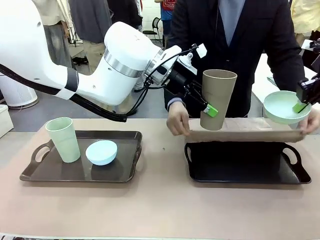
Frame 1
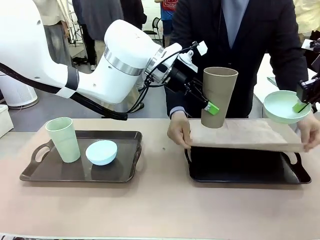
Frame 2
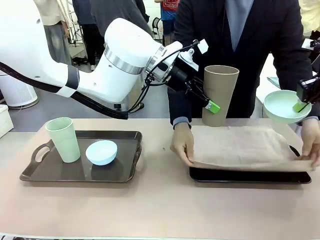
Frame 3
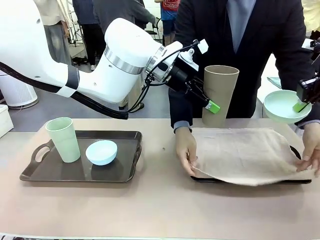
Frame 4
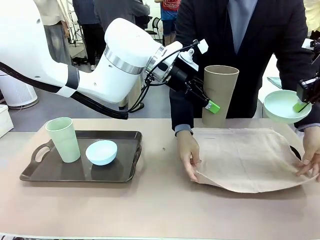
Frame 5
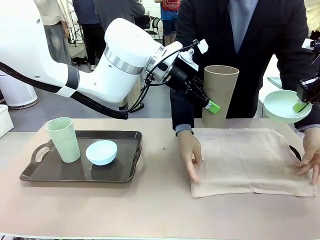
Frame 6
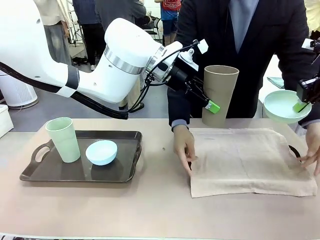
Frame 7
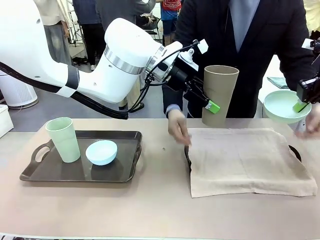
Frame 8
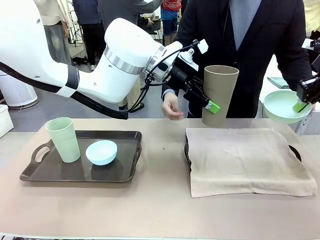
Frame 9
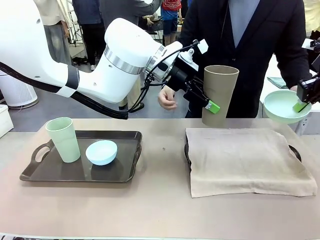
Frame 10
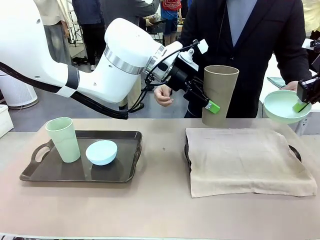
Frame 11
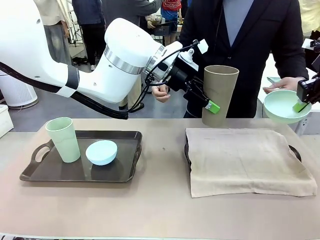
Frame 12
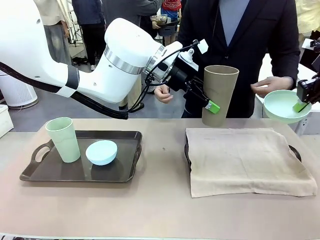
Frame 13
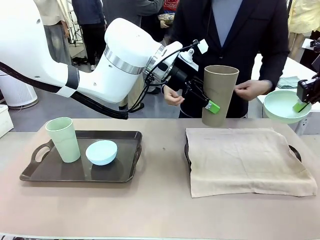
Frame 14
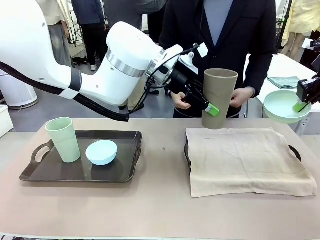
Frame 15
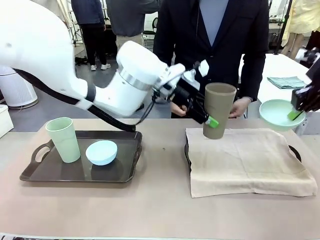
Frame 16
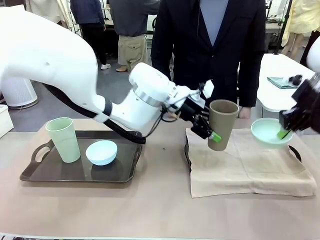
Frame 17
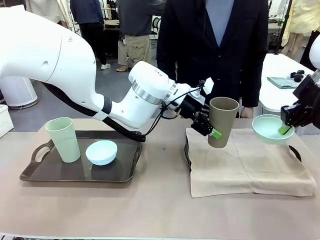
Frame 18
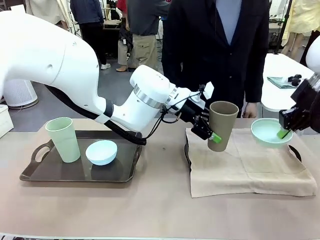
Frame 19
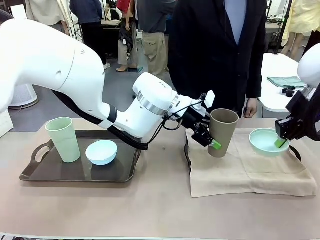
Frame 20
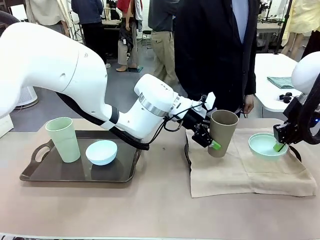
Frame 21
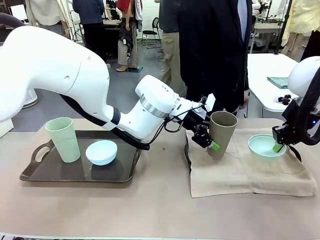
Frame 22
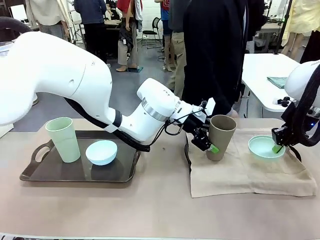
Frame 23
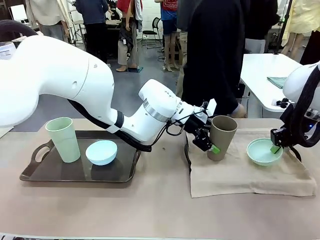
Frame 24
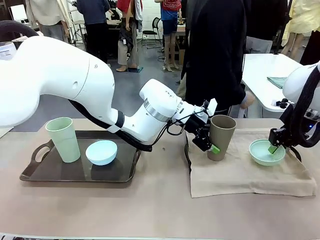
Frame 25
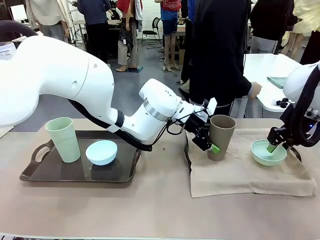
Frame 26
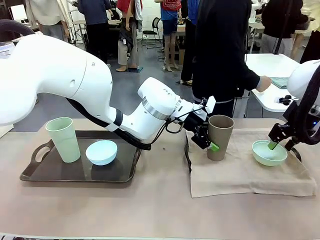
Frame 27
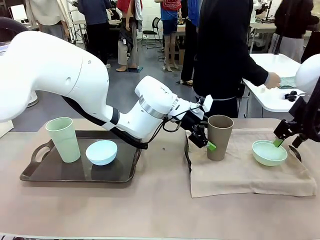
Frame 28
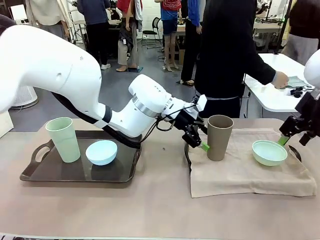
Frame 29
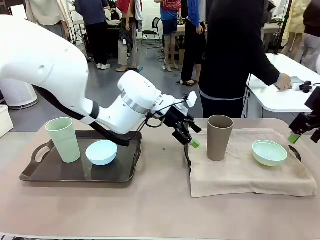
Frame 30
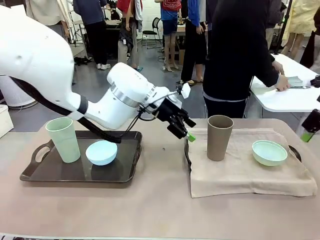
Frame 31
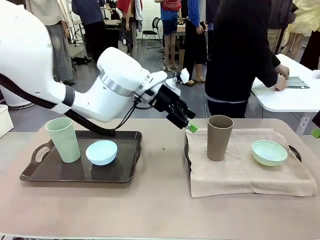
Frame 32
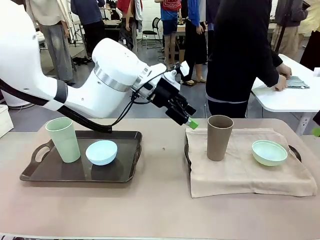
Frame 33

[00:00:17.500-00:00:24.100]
Robot: Place the Picnic Bowl and Reusable plastic cup back onto the Handle tray in front of the human's position.

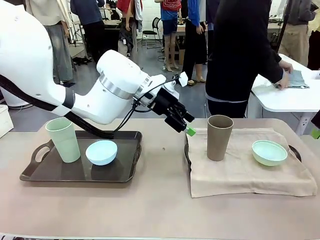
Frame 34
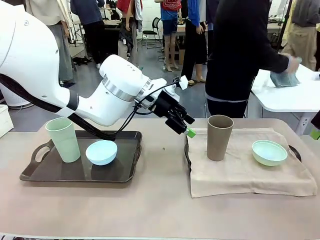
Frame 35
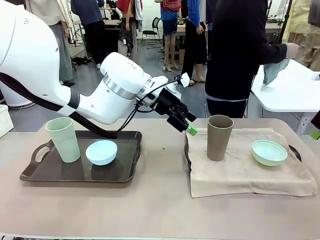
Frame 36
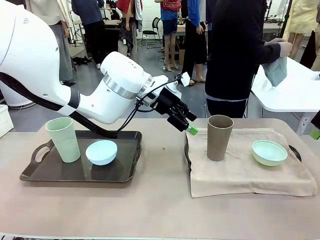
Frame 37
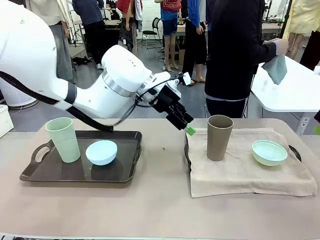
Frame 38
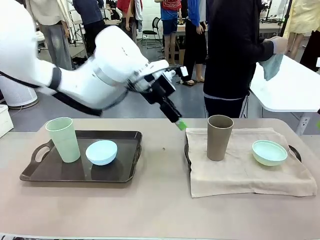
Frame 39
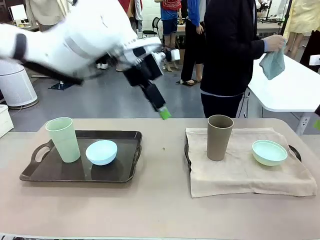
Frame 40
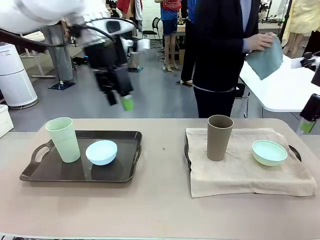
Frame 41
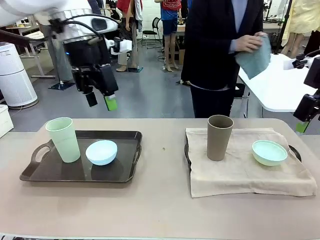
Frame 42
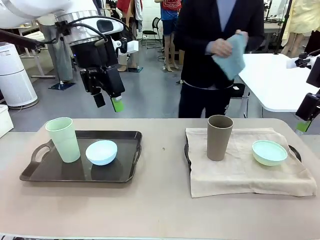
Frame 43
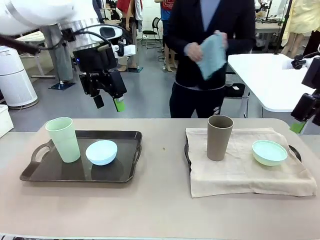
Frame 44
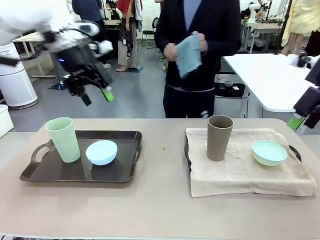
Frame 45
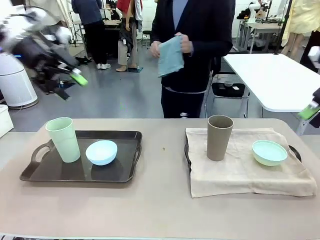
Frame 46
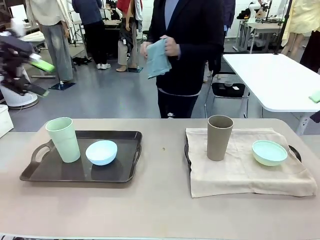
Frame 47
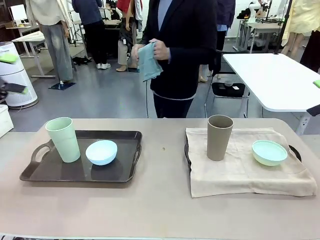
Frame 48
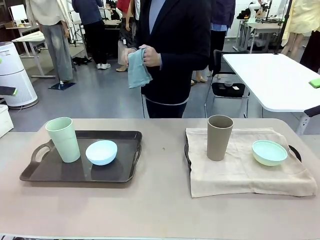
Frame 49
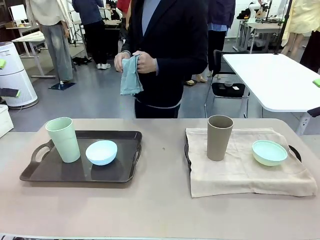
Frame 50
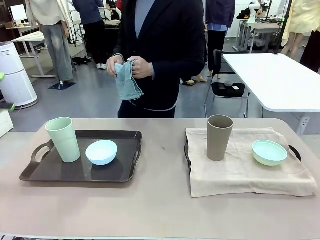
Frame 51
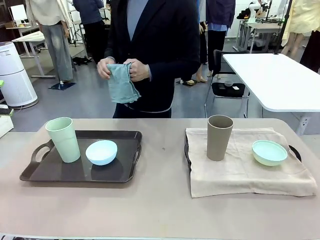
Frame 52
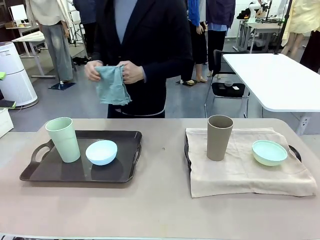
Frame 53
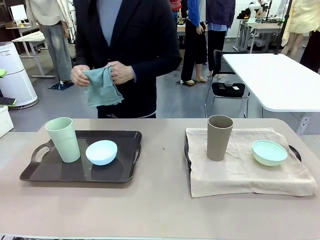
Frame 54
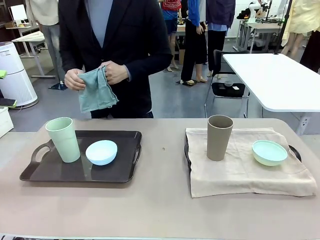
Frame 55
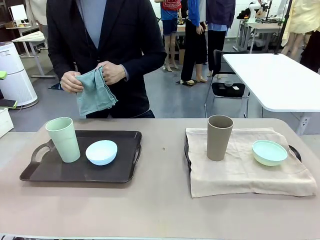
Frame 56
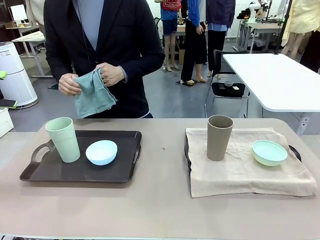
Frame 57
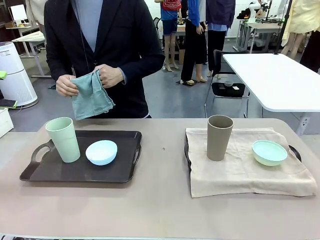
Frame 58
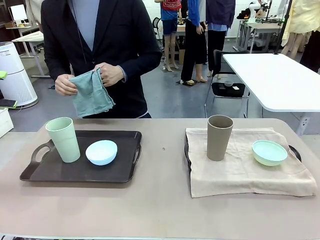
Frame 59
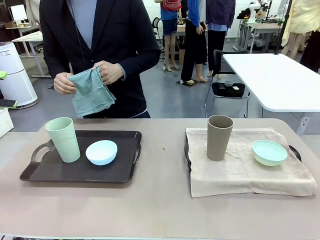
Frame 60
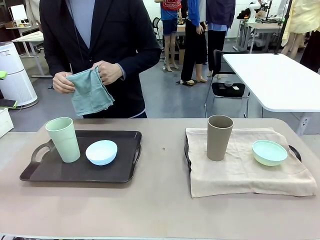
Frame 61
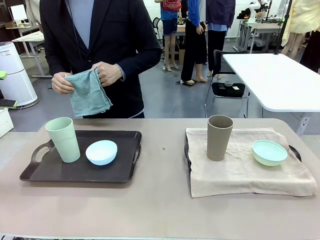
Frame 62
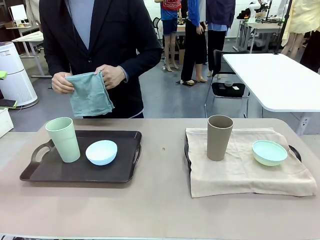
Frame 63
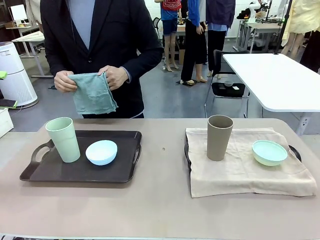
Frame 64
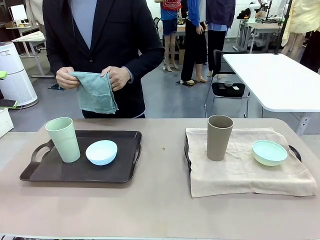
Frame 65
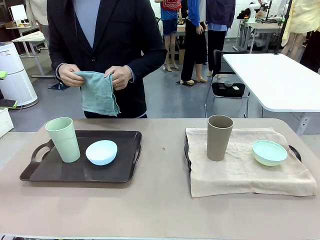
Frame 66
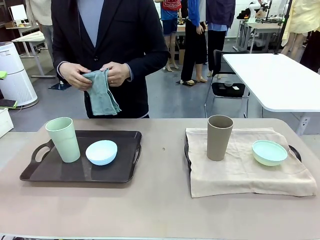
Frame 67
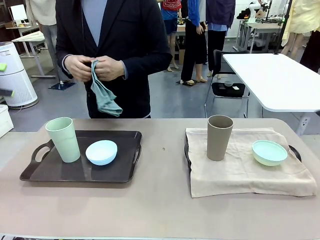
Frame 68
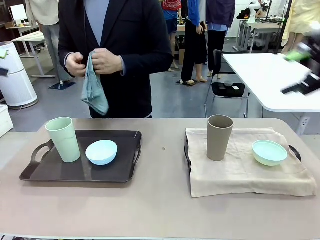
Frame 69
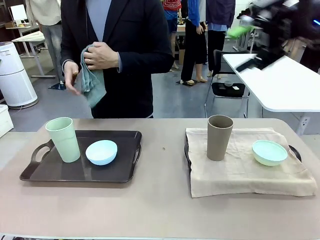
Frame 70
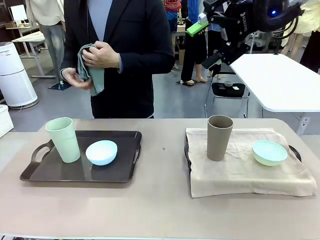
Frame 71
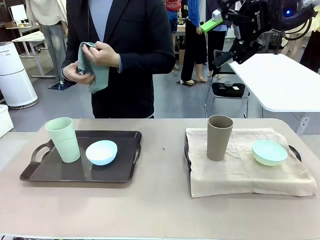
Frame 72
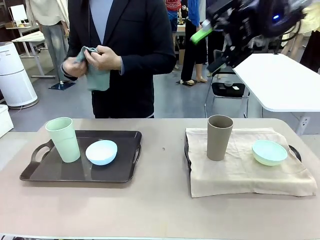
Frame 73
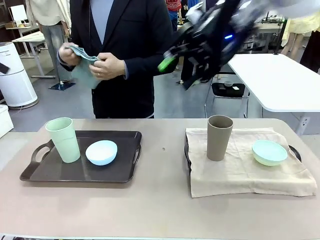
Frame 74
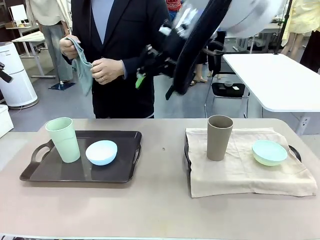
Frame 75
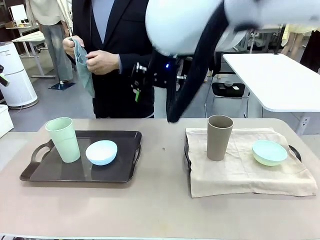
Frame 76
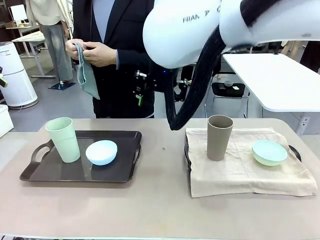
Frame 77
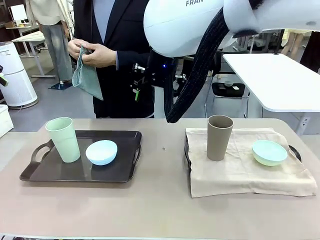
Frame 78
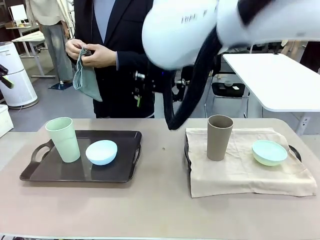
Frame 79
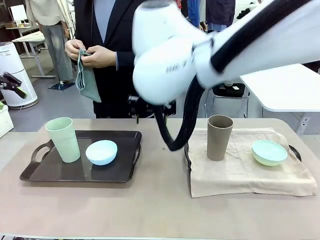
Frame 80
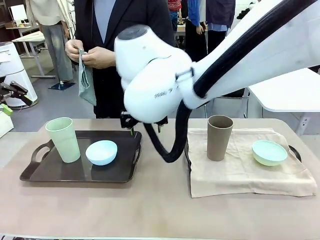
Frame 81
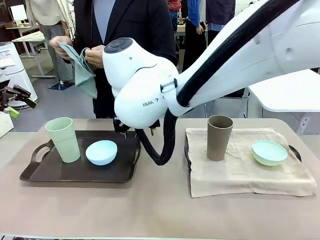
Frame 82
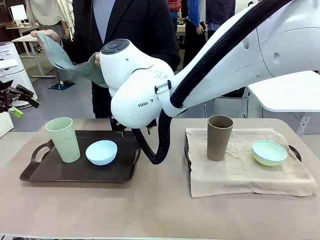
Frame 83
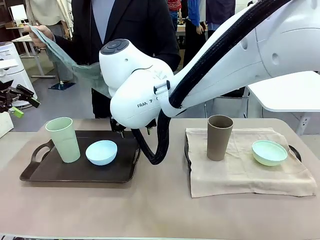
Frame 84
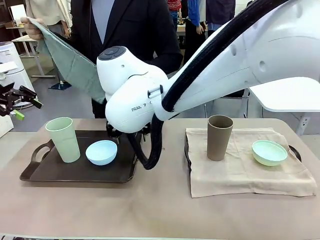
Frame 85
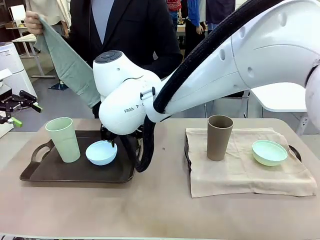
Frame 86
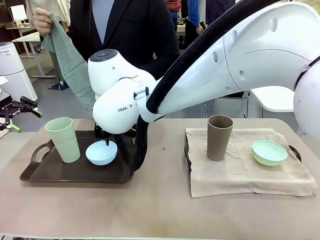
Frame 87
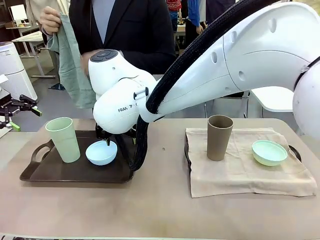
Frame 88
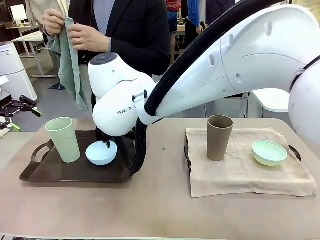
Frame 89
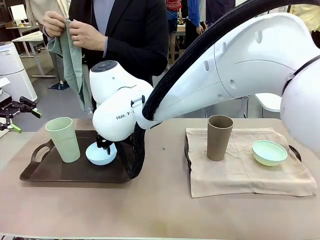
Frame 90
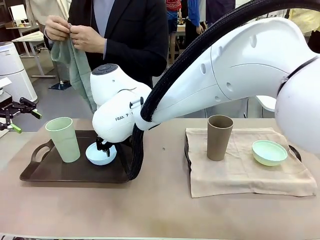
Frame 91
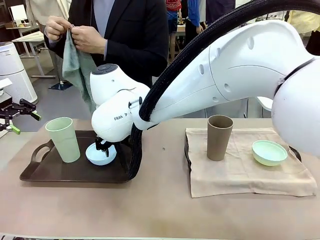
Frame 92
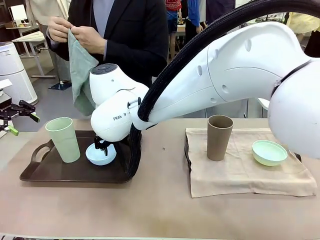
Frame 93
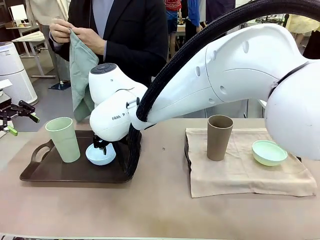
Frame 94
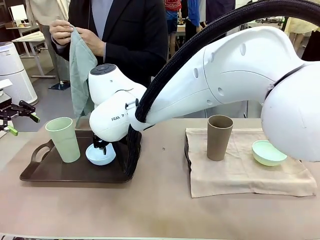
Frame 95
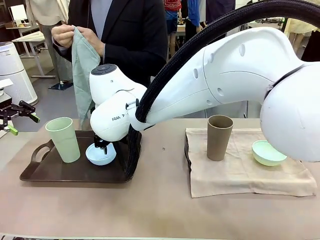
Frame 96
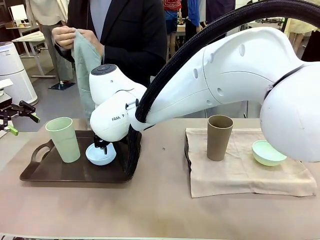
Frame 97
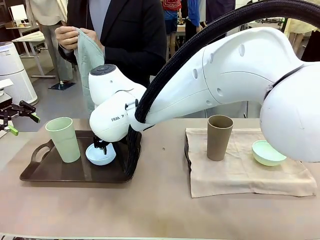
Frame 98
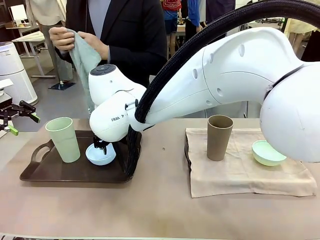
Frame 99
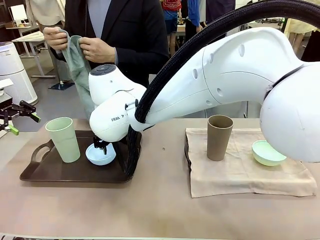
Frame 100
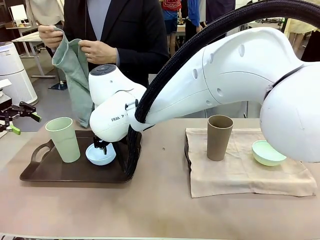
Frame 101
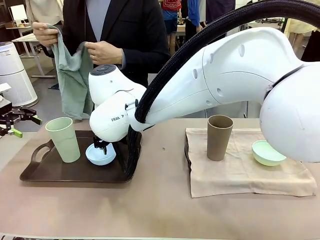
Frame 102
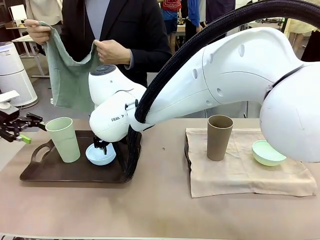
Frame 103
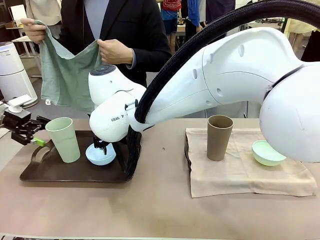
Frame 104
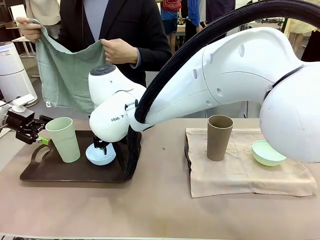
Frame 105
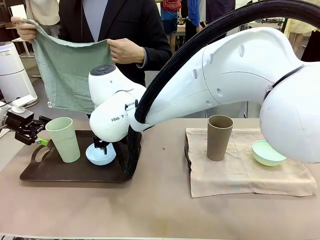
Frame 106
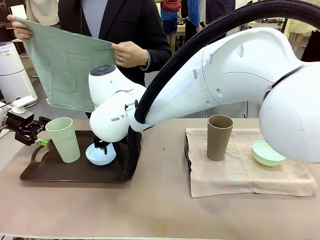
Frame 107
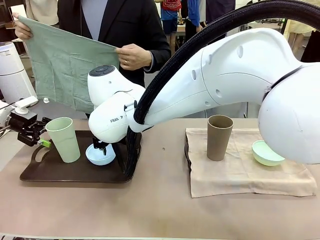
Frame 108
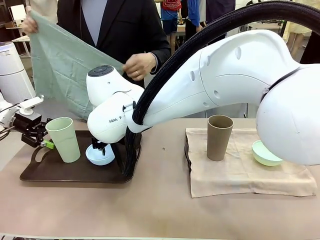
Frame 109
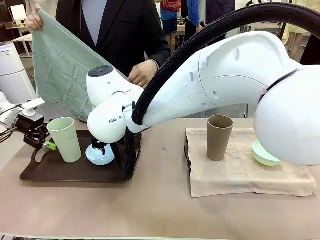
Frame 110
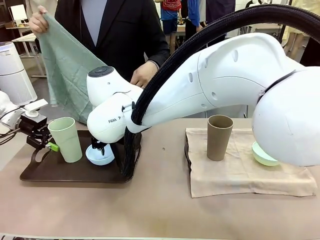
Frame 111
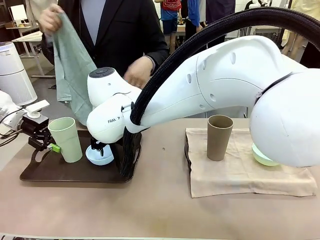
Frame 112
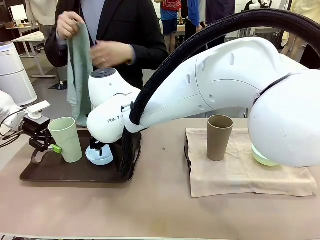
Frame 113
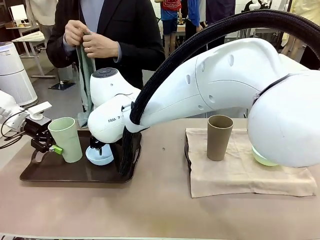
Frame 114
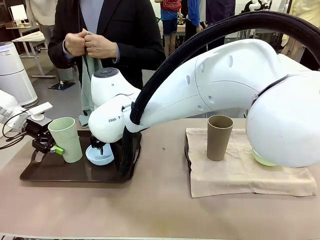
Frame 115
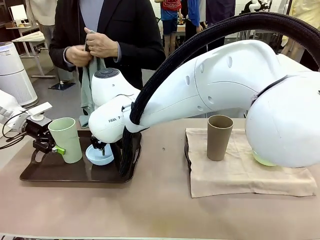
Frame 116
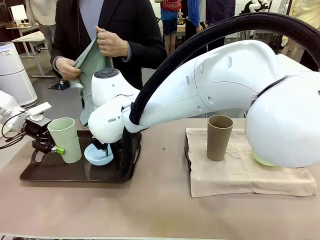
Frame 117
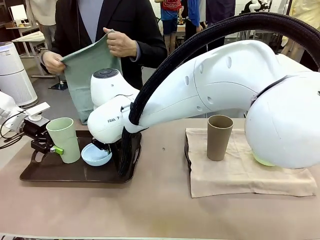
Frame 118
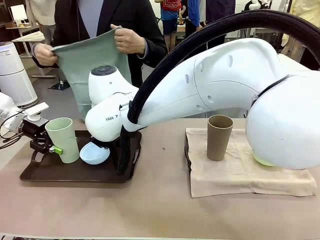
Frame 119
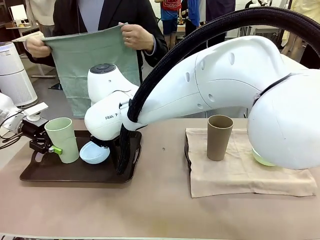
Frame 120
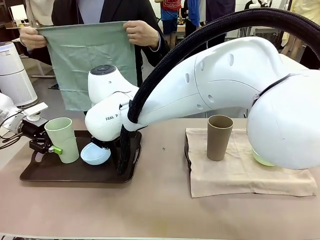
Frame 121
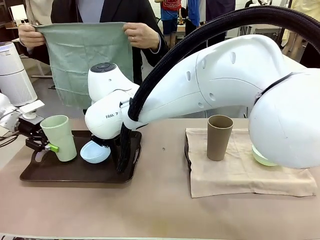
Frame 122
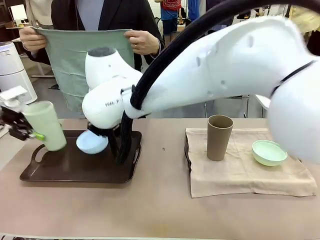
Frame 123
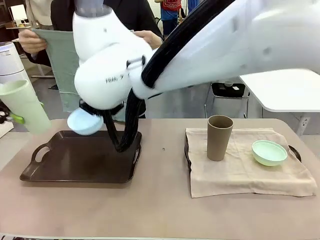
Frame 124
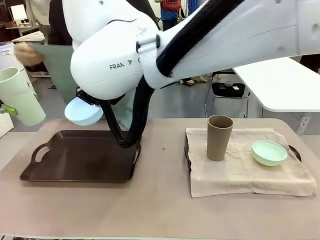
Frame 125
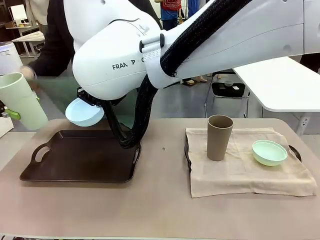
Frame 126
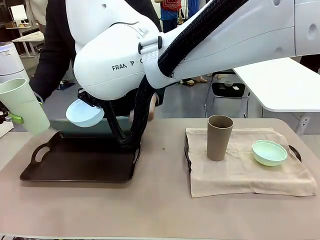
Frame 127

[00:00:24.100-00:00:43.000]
Robot: Pick up the Picnic Bowl and Reusable plastic cup from the Handle tray in front of the human's position and hold them in the air.
Person: When the robot lifts the bowl and the cup, the human unfolds the napkin and lays the napkin flat on the tray.
